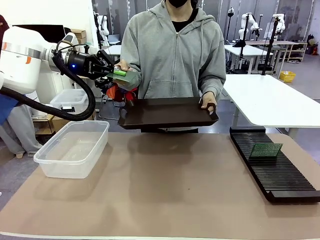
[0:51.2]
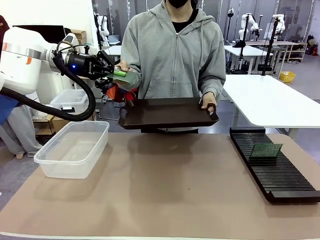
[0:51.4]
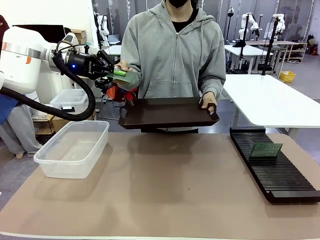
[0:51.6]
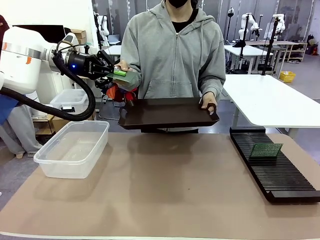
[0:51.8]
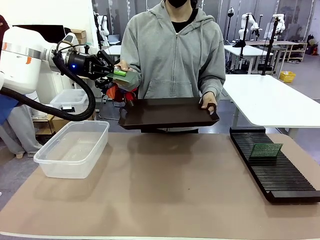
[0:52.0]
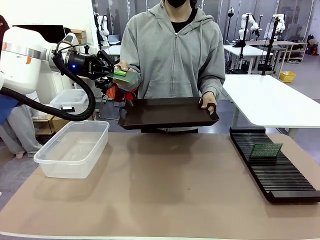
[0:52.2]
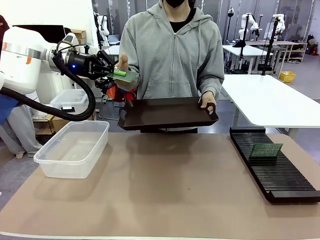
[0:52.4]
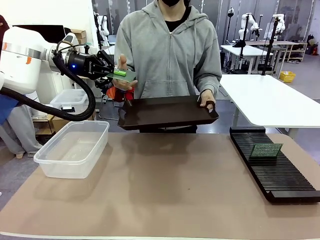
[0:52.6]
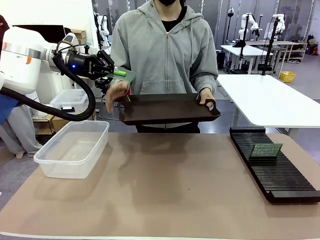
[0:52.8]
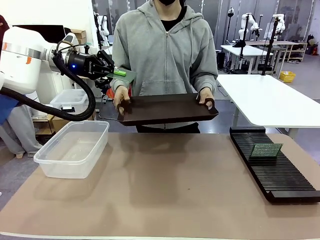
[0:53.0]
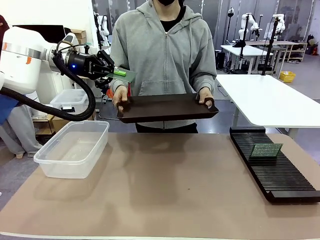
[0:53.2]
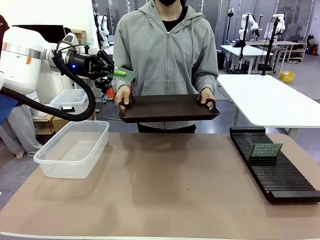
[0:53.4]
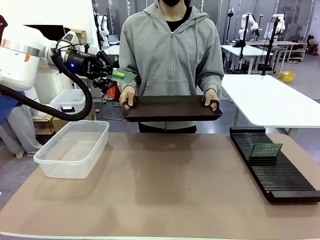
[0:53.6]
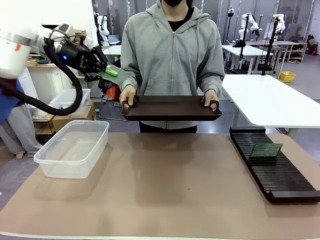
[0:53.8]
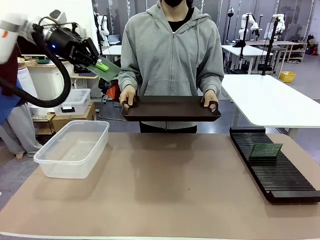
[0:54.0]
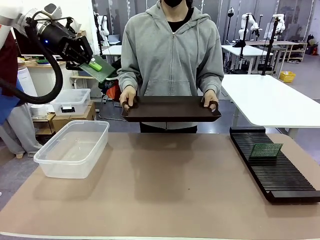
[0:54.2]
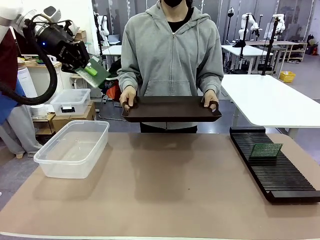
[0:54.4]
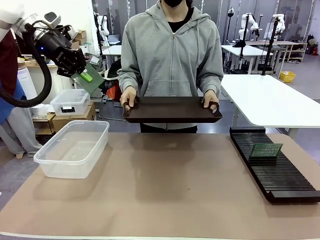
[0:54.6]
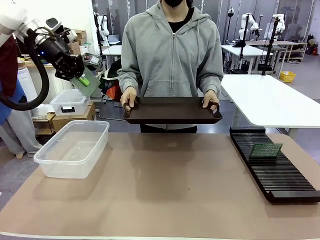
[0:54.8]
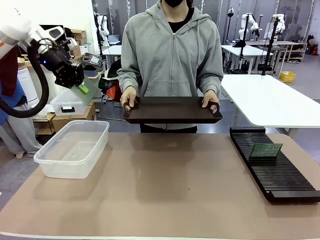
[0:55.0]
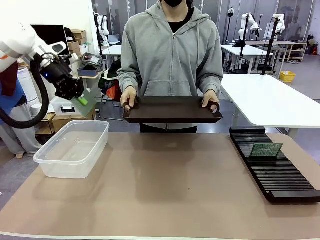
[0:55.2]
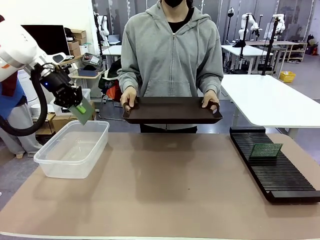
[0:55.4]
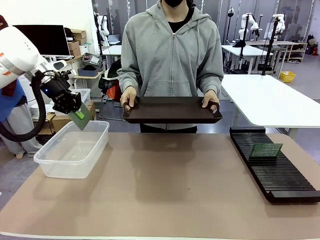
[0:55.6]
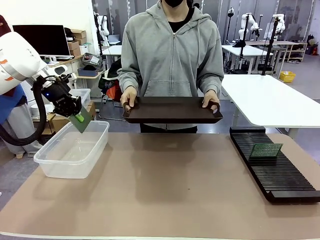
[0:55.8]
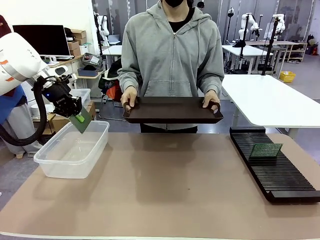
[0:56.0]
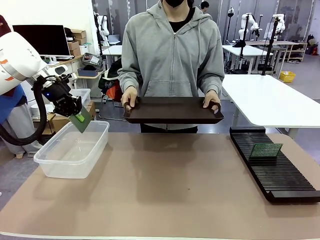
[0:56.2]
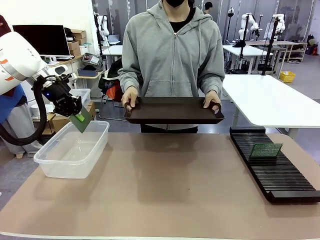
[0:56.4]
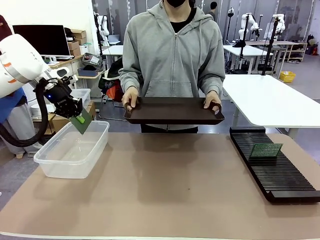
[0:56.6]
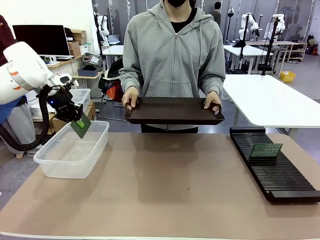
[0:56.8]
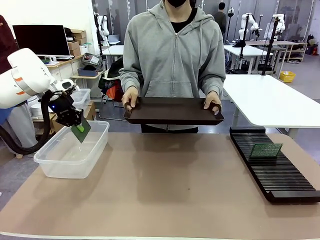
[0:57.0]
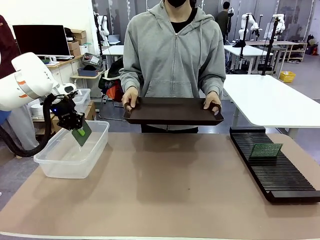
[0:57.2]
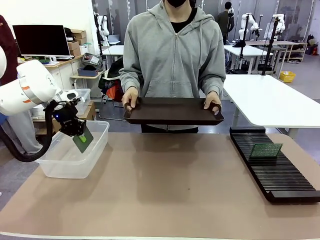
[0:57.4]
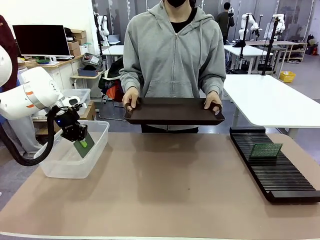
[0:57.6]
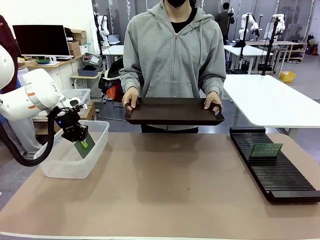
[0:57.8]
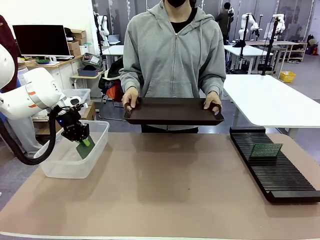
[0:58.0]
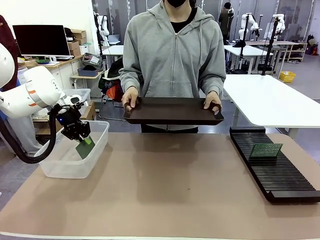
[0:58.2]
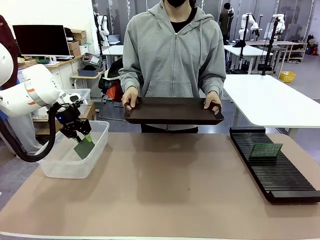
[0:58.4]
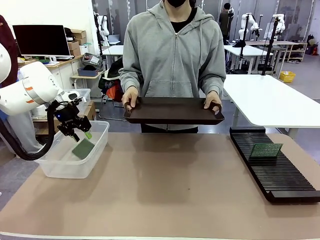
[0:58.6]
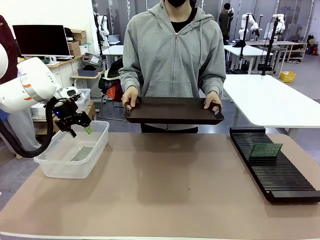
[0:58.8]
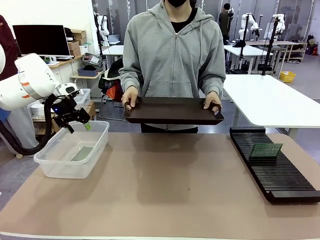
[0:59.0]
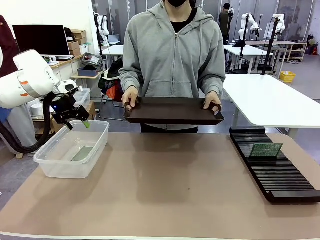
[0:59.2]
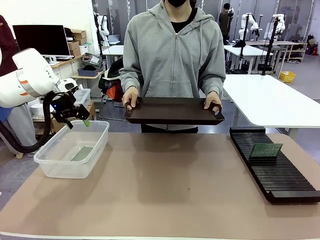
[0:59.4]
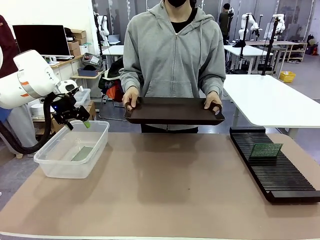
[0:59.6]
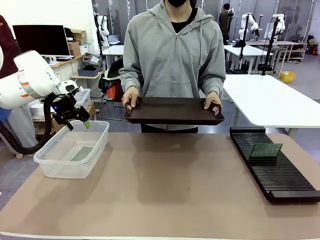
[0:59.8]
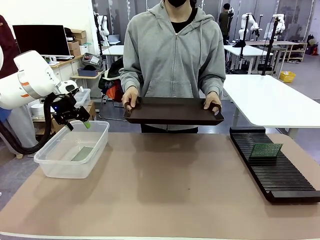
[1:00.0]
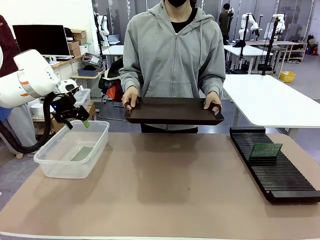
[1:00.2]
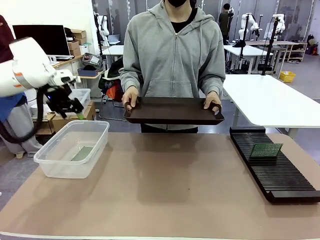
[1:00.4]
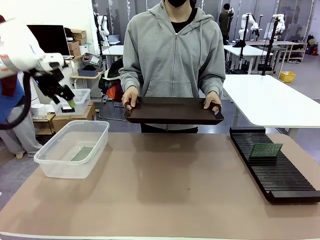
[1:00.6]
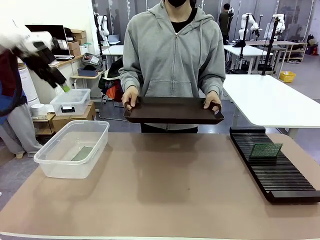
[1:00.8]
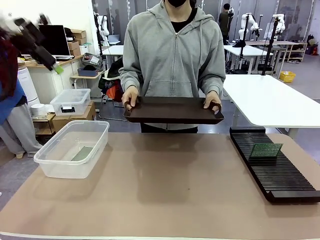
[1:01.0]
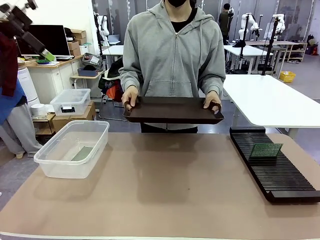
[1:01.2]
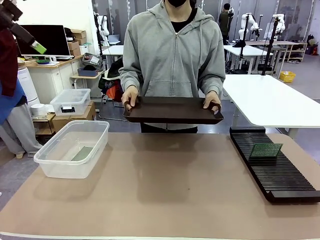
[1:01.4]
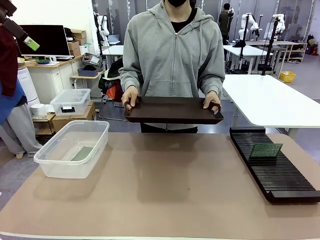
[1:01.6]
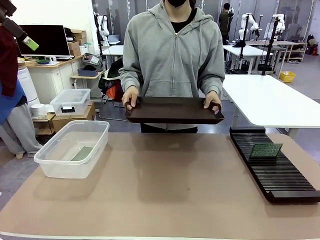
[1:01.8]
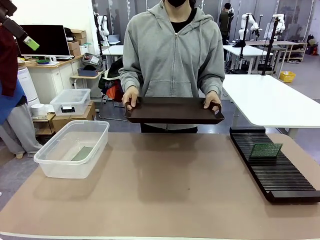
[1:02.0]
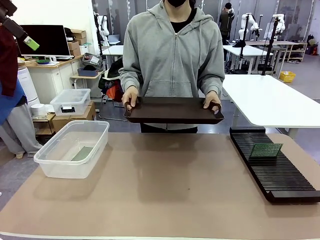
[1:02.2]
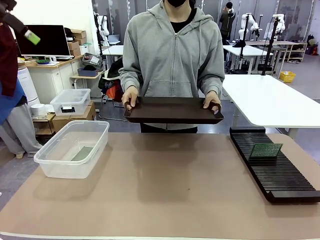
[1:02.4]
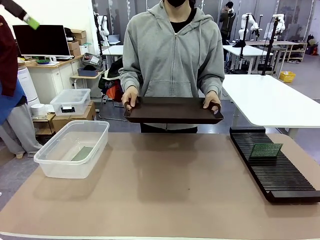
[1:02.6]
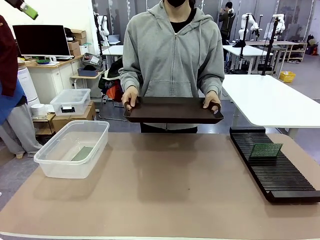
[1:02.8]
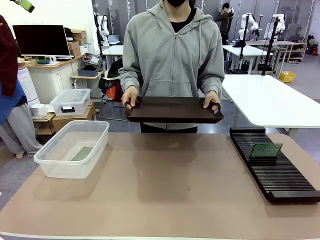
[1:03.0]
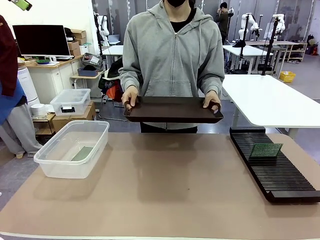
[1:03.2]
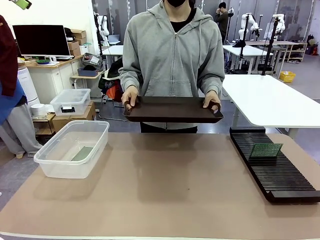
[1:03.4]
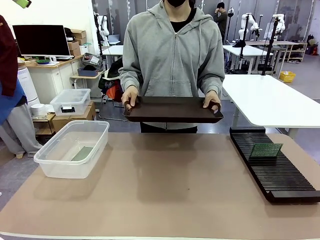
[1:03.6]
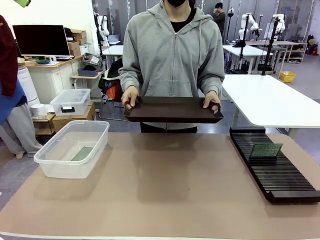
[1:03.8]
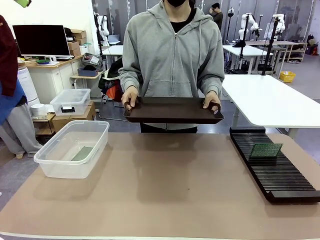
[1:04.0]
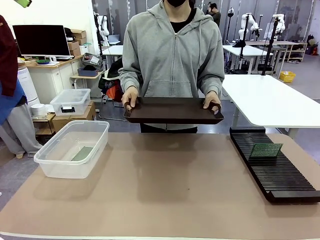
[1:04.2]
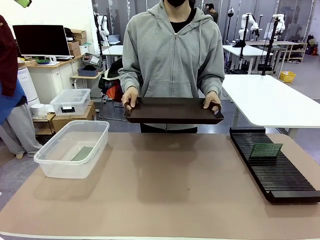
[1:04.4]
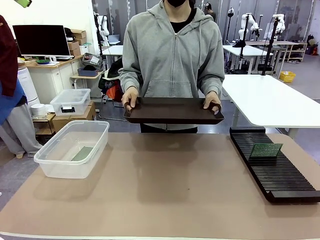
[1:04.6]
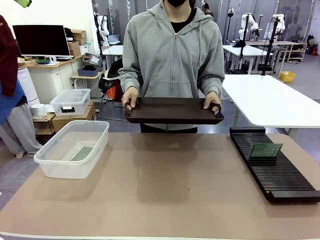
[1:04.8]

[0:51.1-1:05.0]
Task: Sort PCBs into racks and boxes based on the side picked up.
Robot: If the short side of the Blank PCB is picked up, insert it into the PCB Rack ; if the long side is picked up, place it in the Organizing box.
Person: Release the PCB being held.

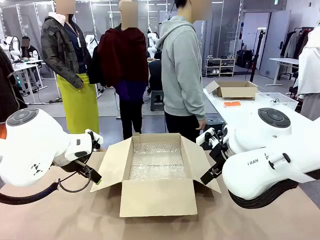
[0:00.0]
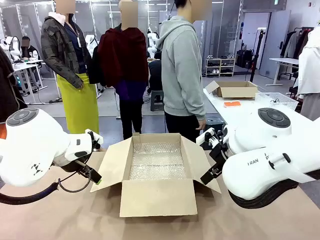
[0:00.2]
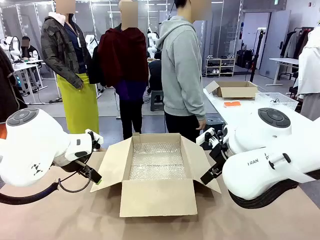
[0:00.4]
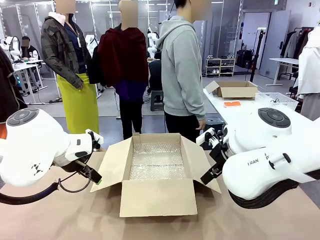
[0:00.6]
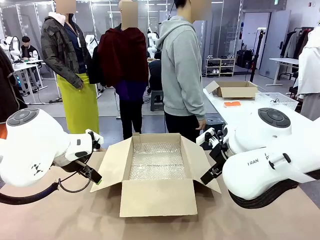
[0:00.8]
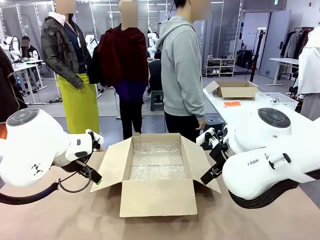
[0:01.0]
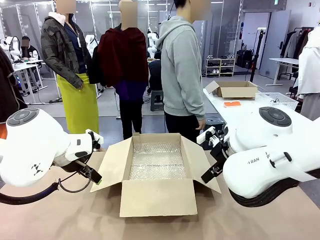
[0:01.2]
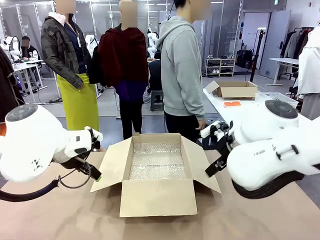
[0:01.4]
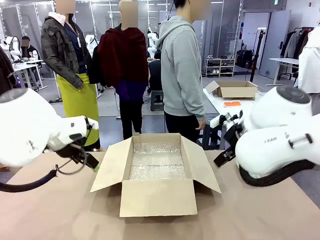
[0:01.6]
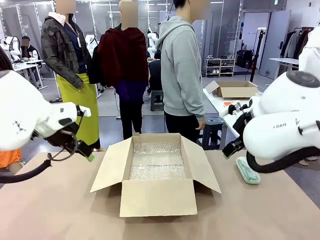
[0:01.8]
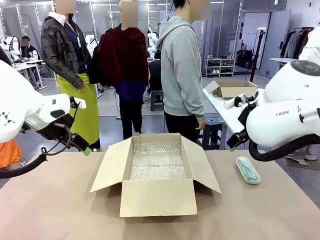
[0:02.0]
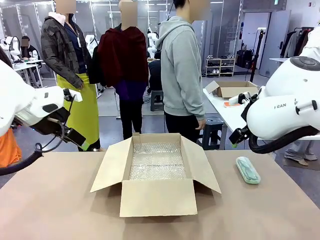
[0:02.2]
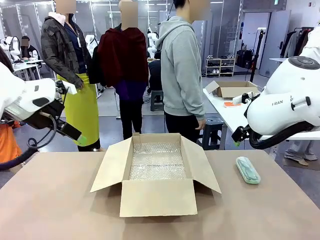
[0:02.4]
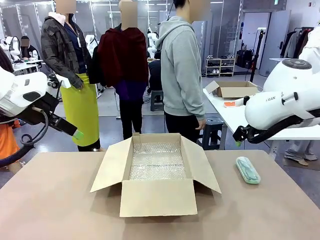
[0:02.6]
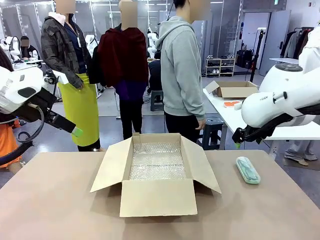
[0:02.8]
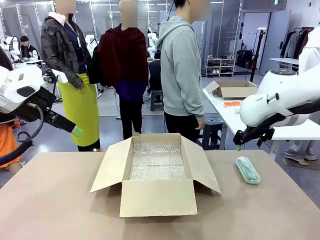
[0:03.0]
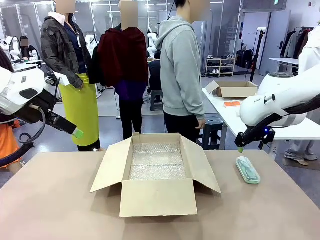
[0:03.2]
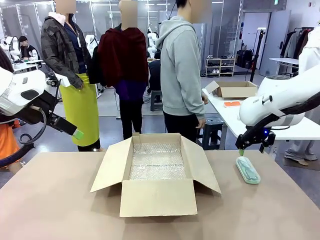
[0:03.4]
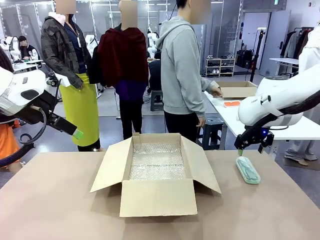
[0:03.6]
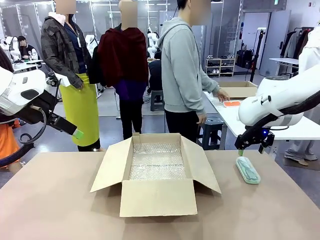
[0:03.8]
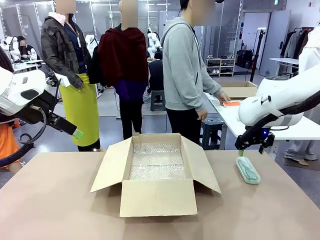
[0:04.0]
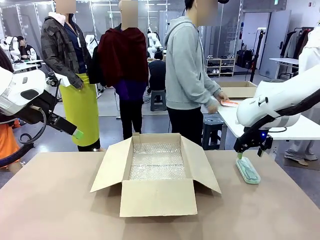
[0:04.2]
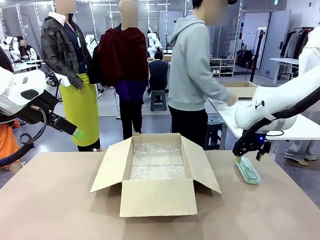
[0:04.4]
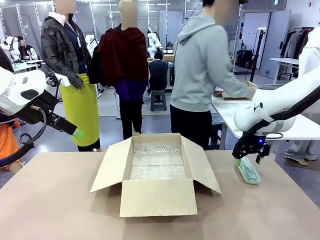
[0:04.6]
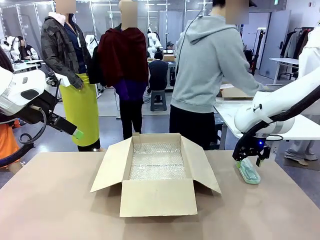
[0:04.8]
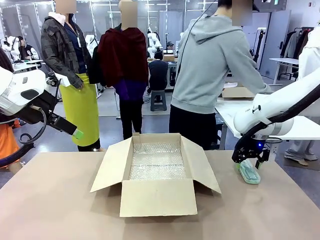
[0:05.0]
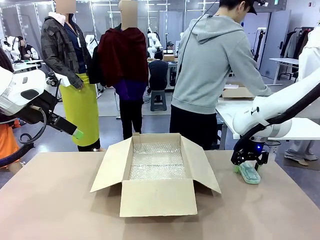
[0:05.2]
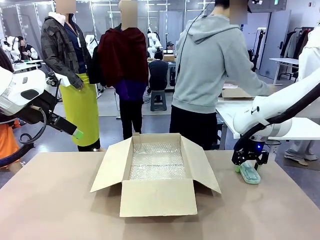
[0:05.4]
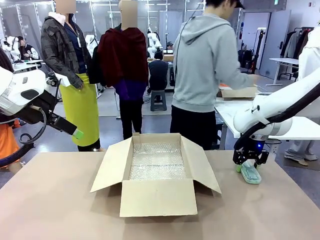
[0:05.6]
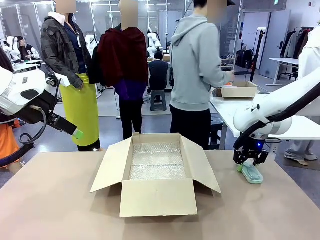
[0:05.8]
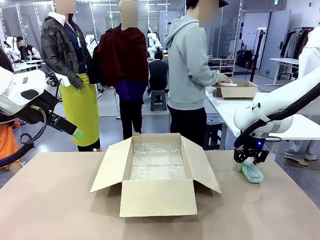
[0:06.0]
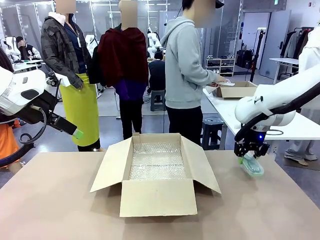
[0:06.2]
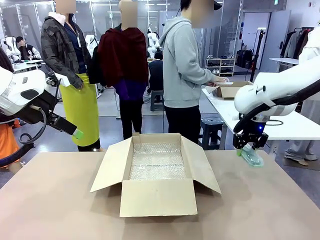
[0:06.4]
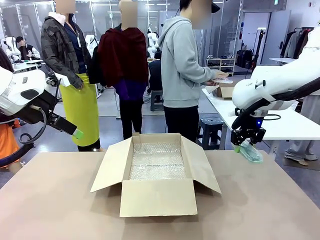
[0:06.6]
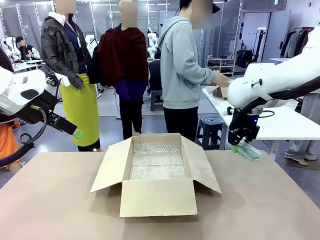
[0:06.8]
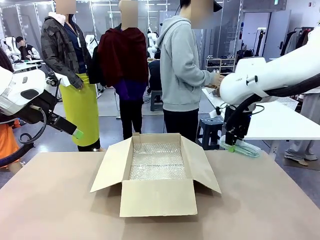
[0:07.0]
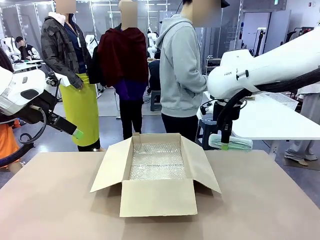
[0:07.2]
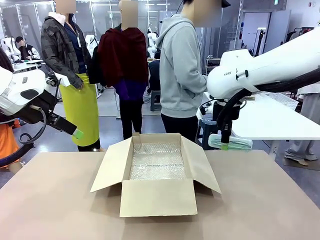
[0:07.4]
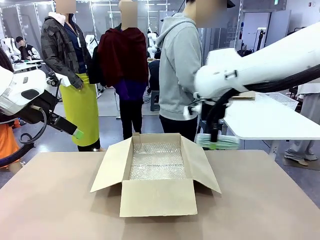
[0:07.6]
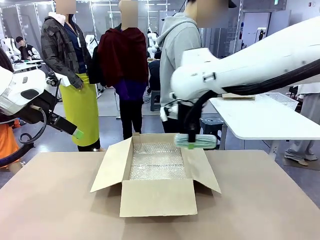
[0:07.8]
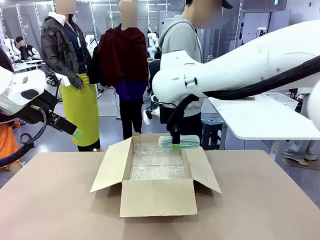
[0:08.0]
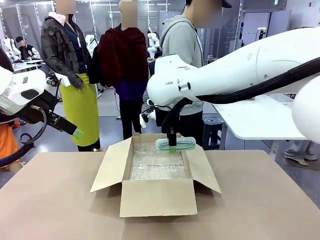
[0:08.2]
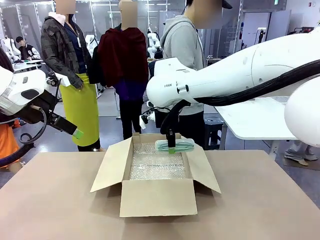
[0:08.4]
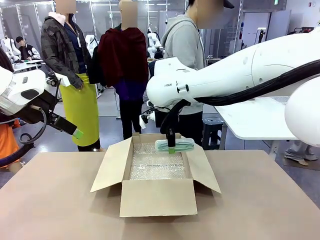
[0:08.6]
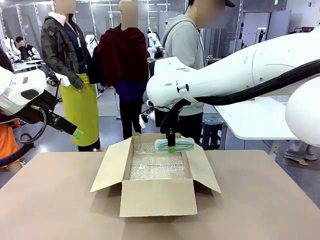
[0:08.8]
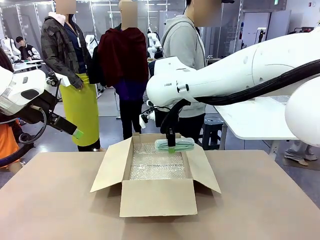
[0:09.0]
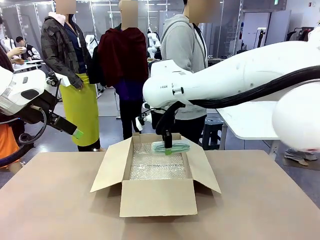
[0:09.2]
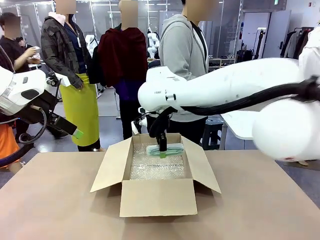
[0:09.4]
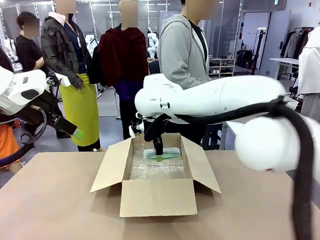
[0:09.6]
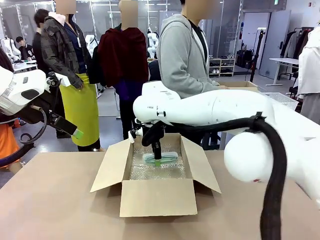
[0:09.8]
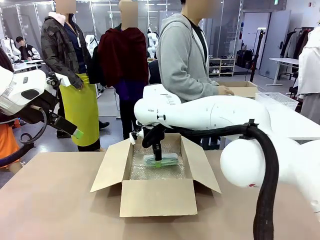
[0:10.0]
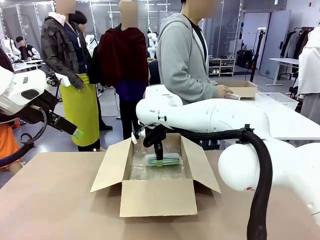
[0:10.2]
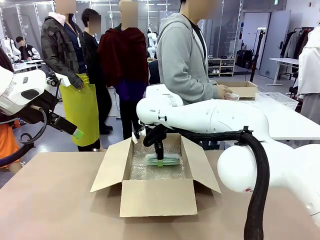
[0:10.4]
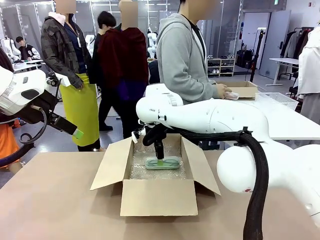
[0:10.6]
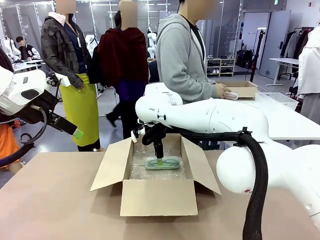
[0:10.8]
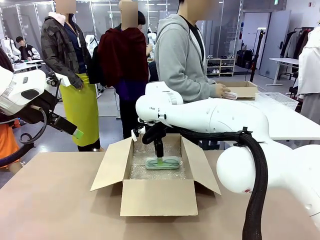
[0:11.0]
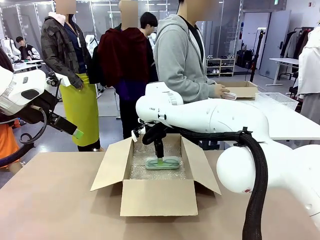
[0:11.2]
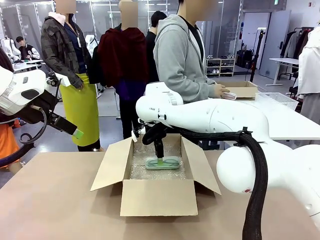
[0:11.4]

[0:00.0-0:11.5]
Task: Pack the glasses set securely to prepare it for shipping.
Robot: Place the Glasses case inside the Package Box.
Person: Place the Glasses inside the Glasses case.
